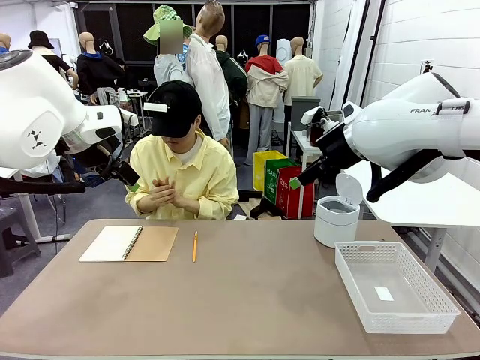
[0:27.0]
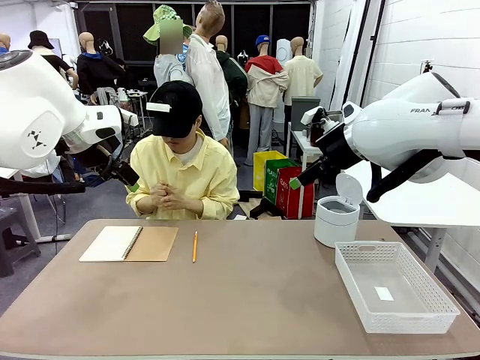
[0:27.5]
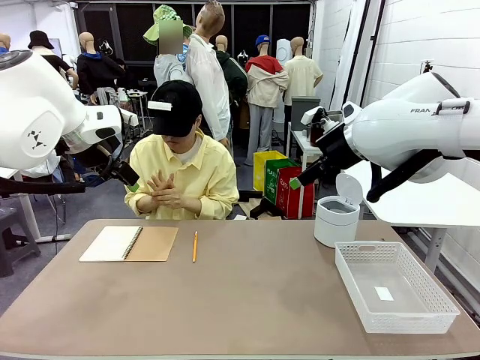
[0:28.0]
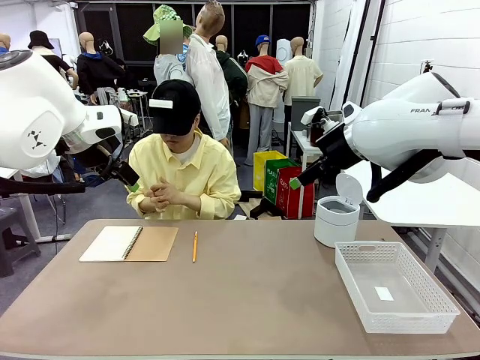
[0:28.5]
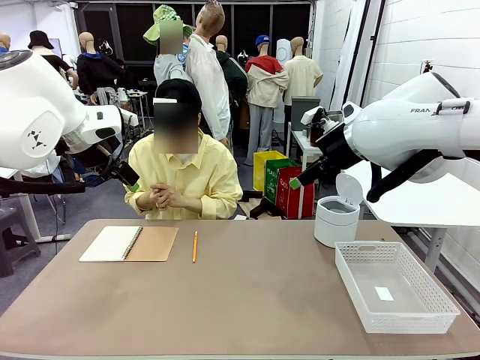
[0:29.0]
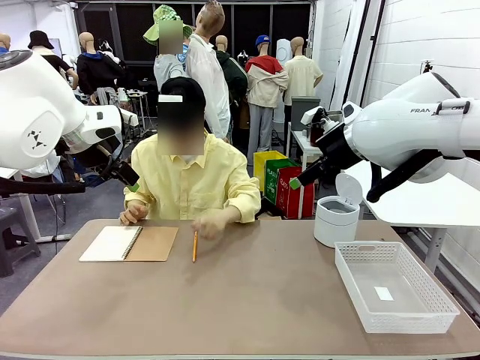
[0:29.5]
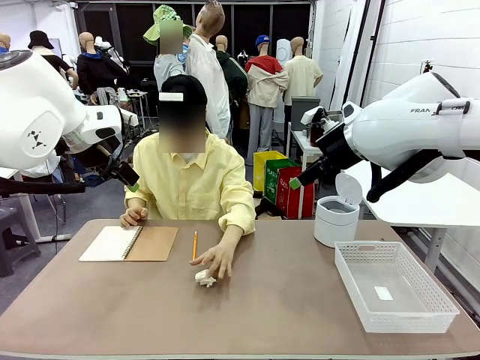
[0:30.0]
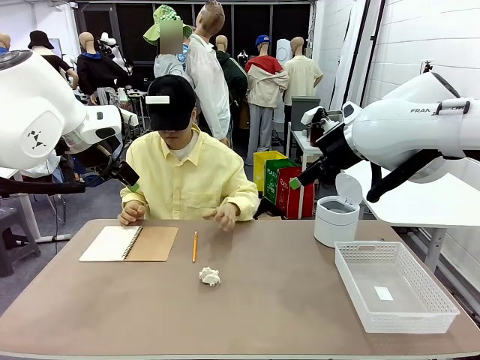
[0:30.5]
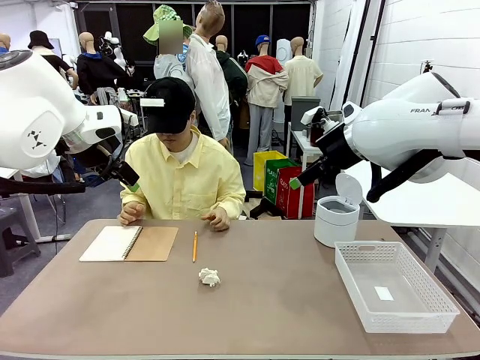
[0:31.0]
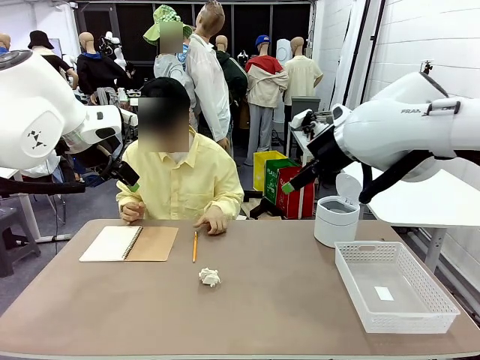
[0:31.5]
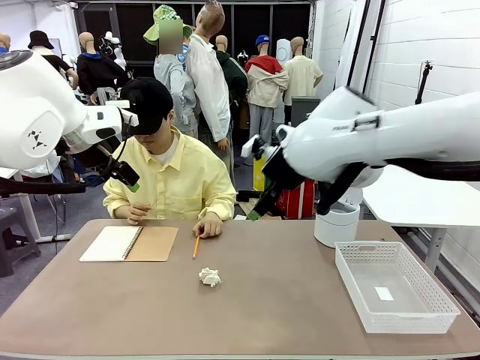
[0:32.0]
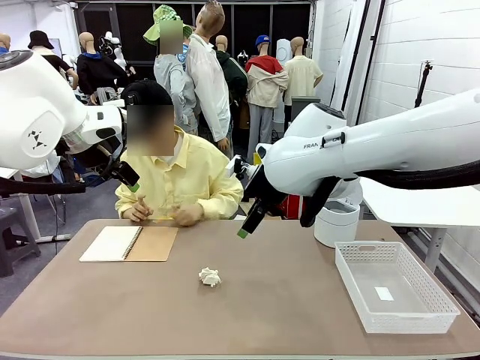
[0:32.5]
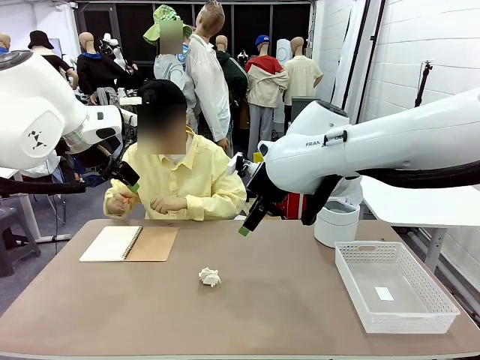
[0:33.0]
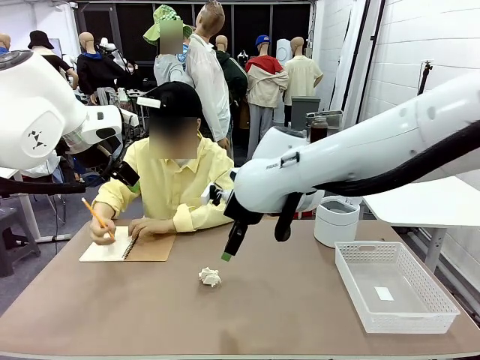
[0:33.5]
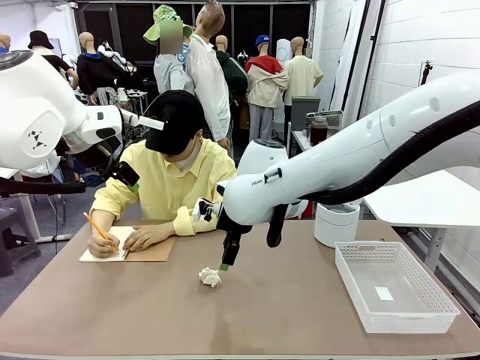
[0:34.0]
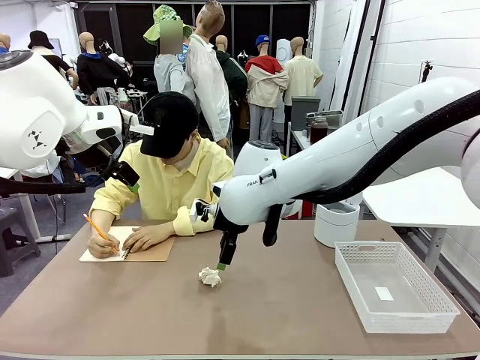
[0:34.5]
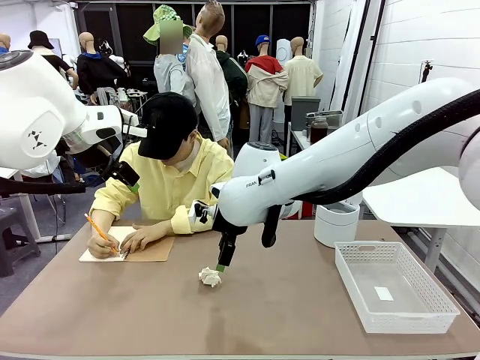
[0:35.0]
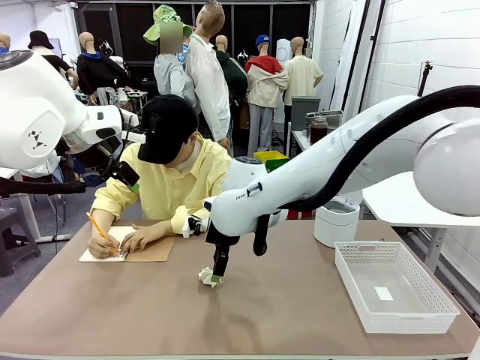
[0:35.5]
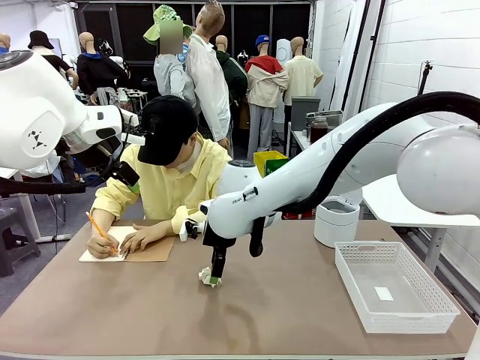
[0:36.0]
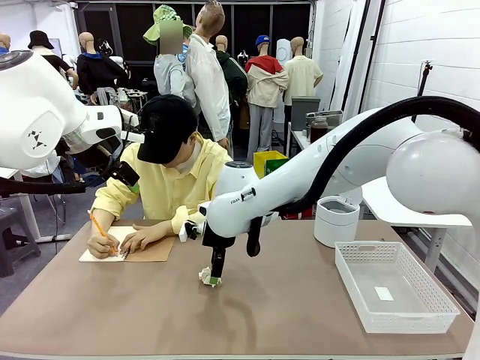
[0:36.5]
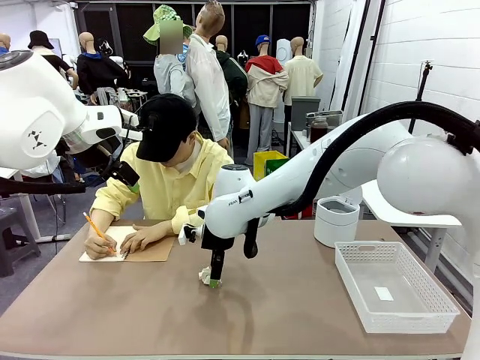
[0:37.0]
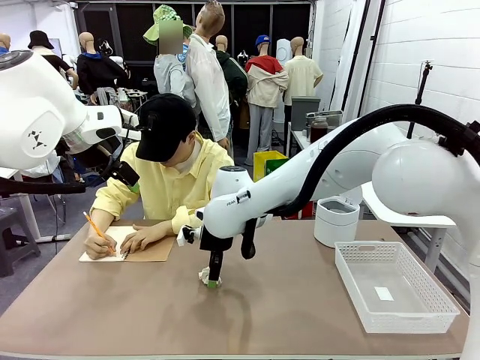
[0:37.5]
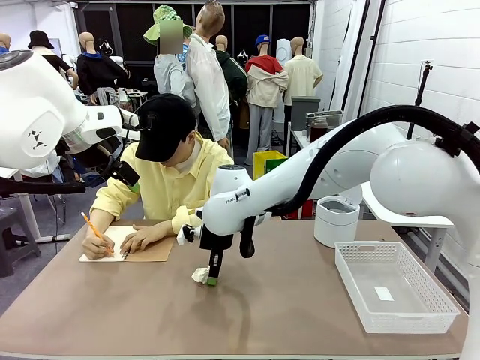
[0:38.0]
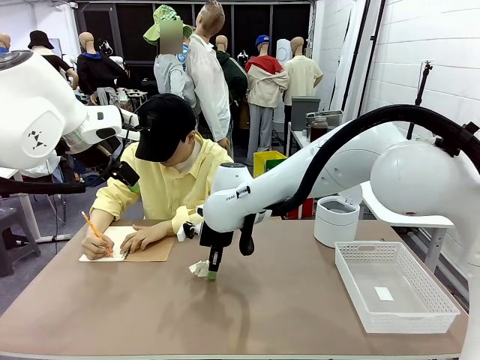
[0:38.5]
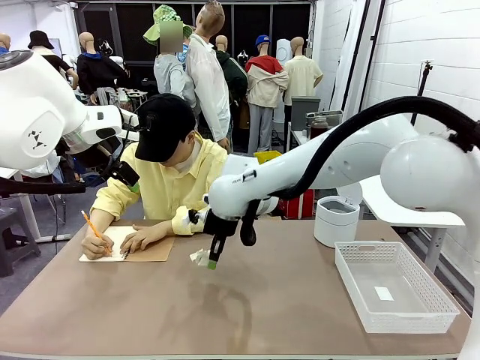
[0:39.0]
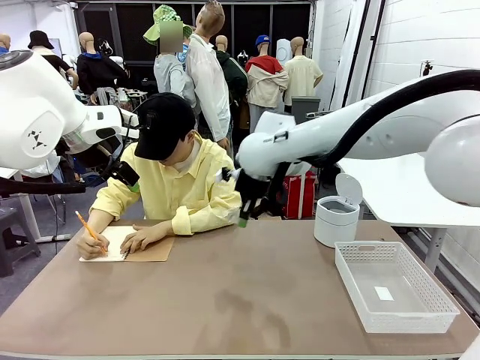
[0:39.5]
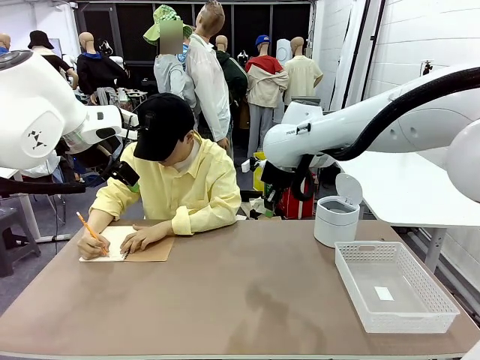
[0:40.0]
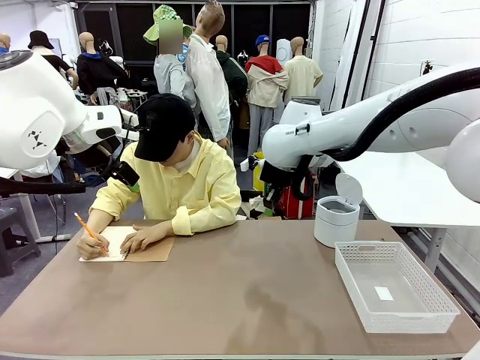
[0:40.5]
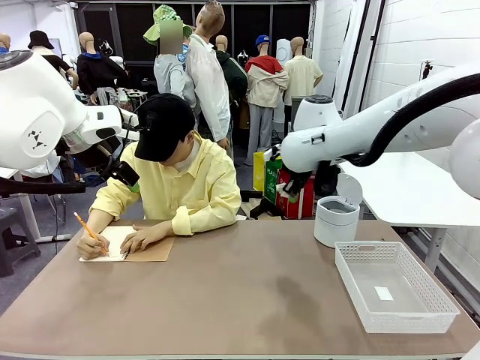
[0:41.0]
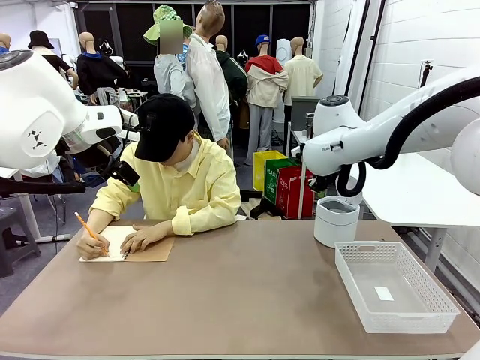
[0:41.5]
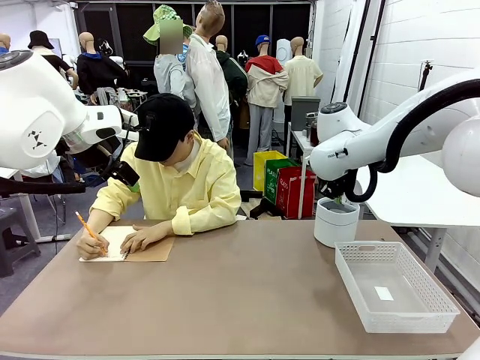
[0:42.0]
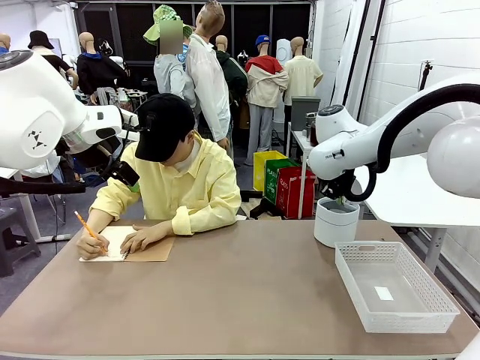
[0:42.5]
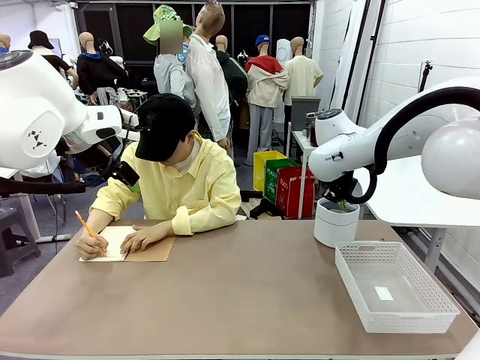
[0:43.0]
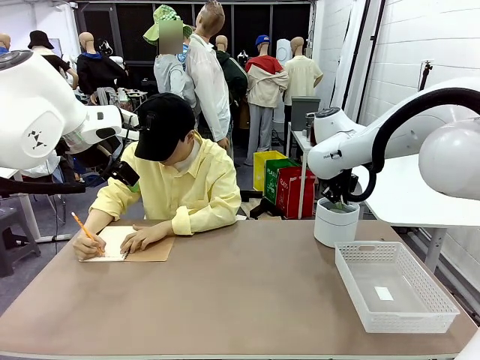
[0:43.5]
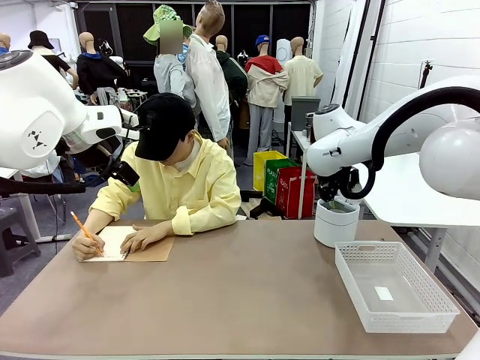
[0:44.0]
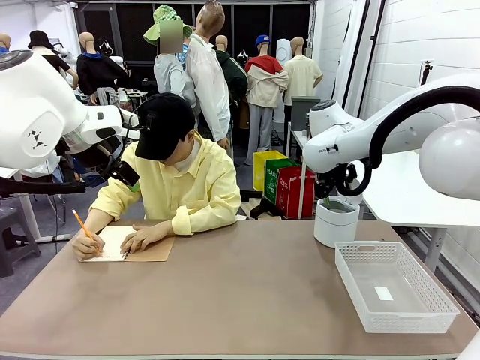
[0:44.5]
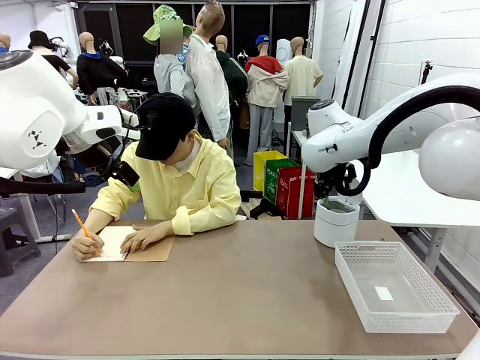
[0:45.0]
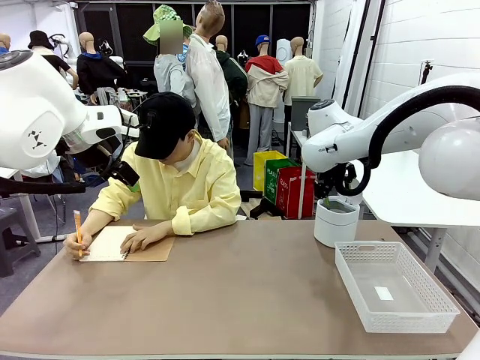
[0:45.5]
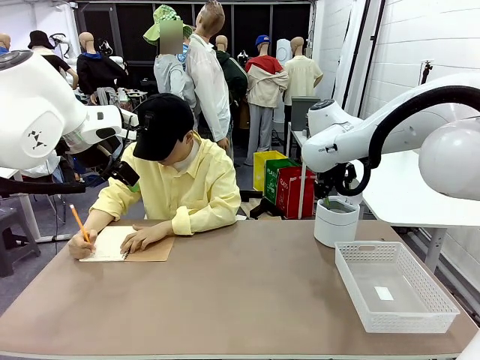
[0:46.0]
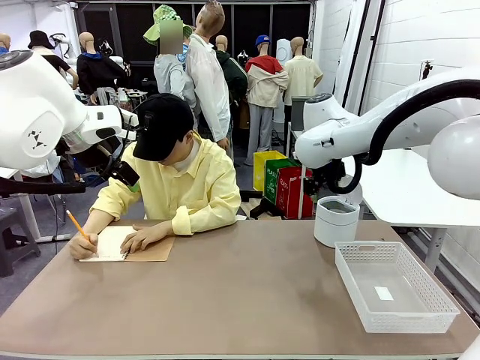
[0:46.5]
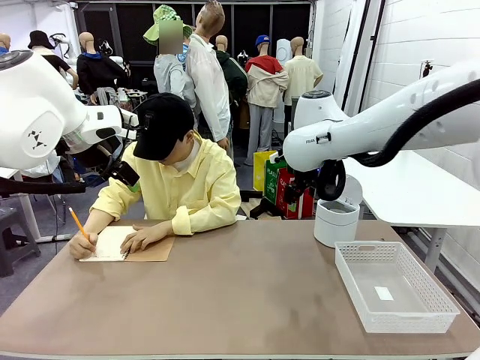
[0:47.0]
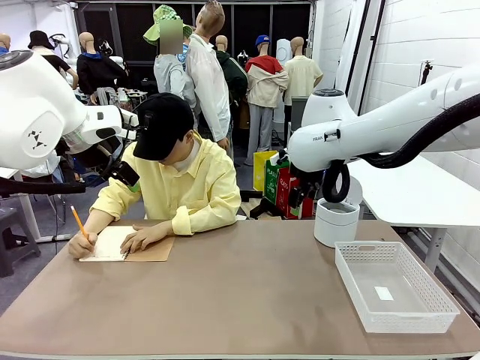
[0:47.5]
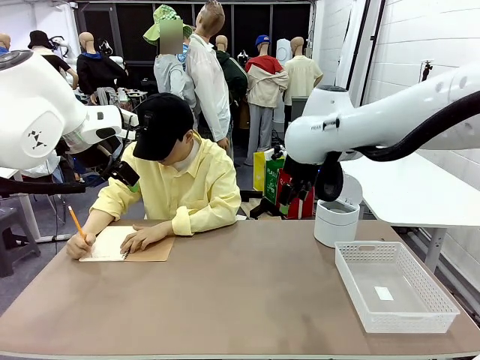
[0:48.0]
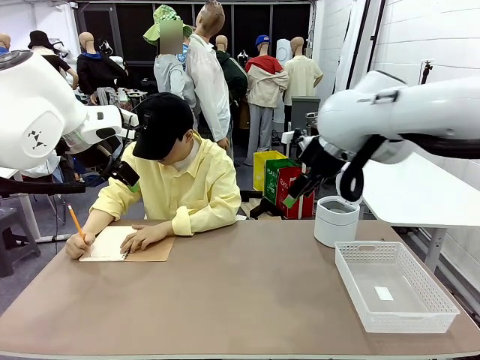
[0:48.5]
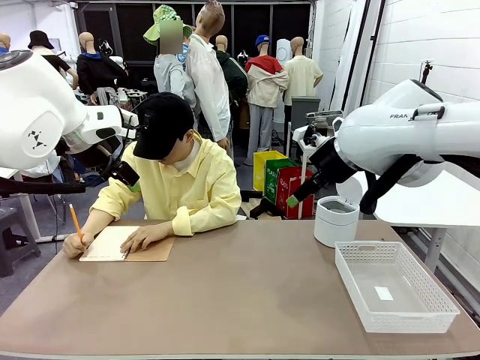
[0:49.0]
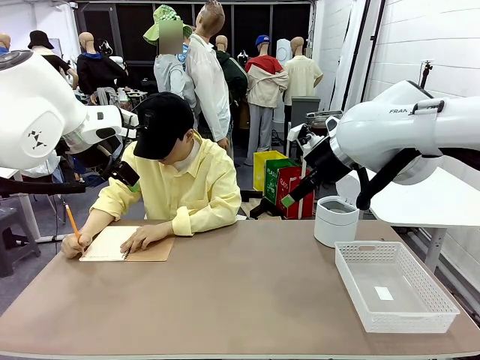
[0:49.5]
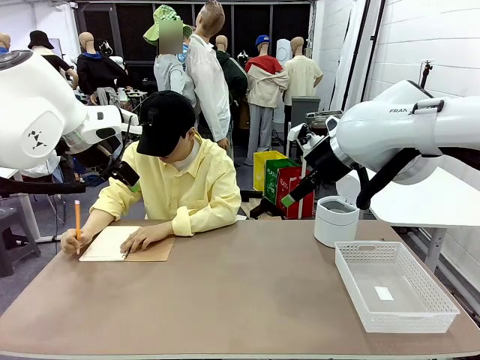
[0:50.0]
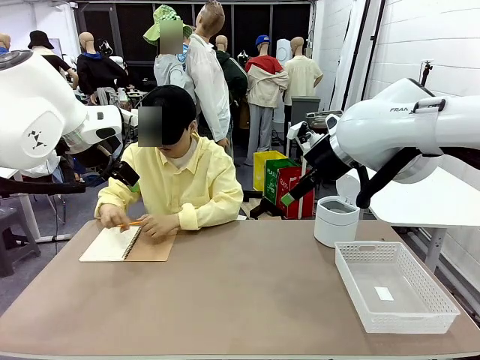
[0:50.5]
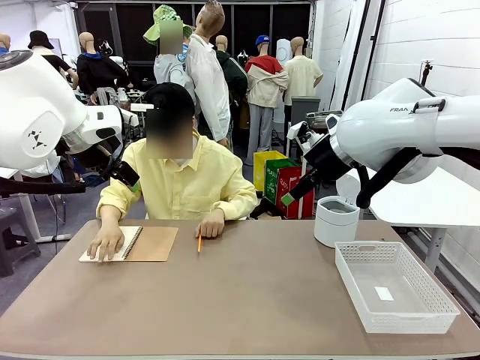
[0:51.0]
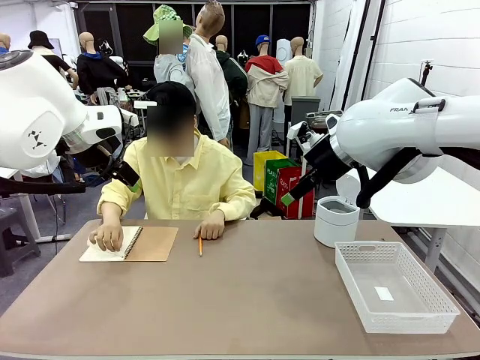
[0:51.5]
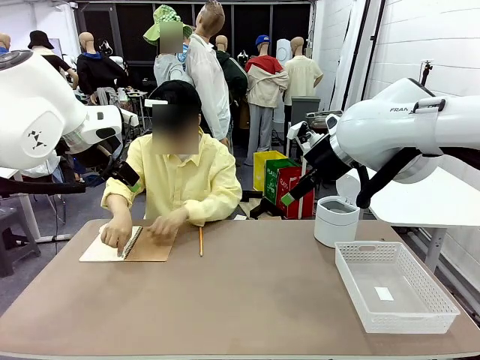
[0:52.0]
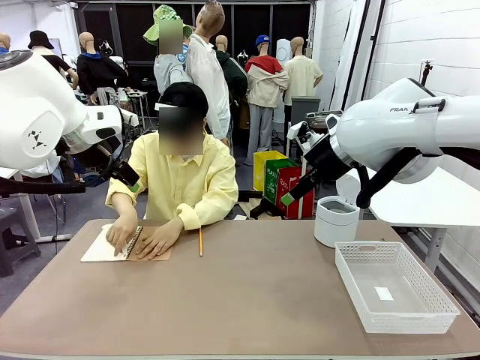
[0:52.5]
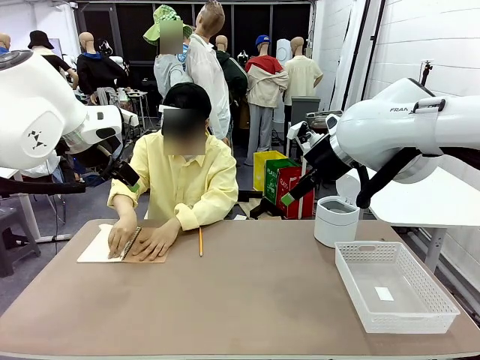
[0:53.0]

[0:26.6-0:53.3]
Task: Sort the paper based on its condition.
Robot: If a person hands you a paper, place it in the Organizing basket , and if it's crumpled, put it in the Trash can.
Person: Hand the torn page to the robot or crumple it and throw it to the center of the table. Tear out a page from the spiral notebook.
